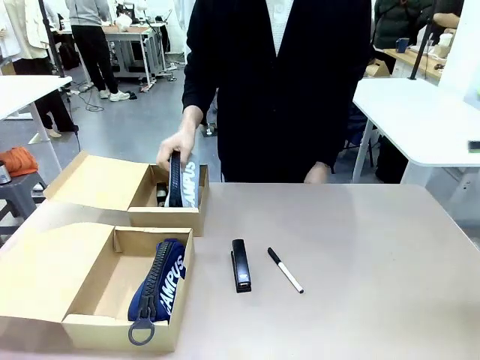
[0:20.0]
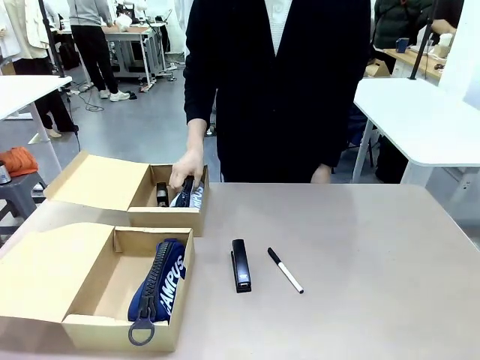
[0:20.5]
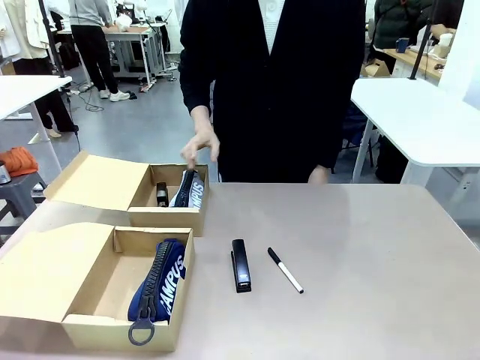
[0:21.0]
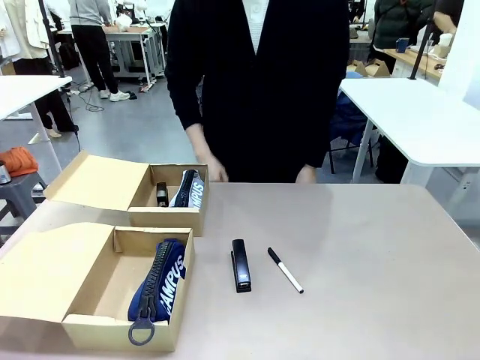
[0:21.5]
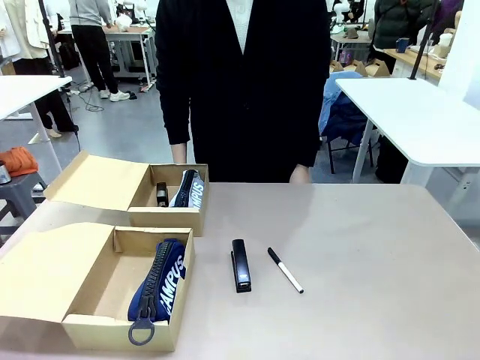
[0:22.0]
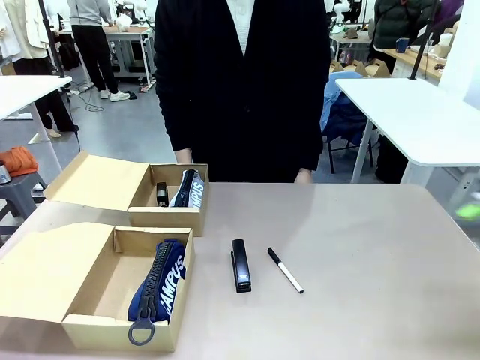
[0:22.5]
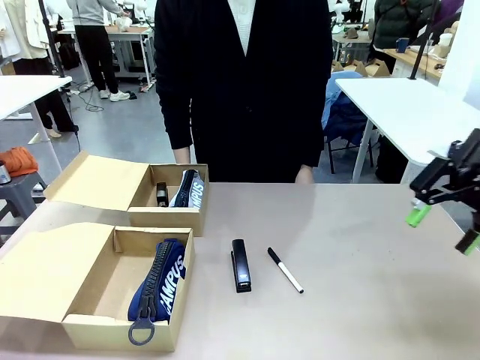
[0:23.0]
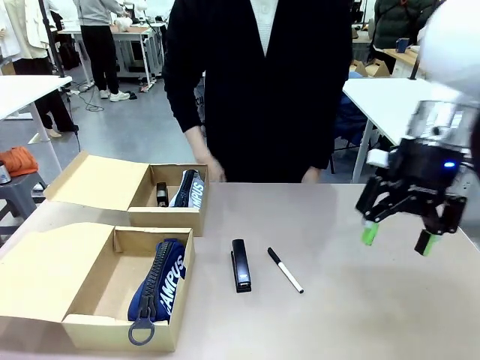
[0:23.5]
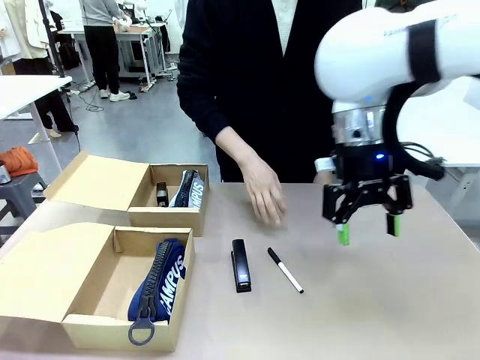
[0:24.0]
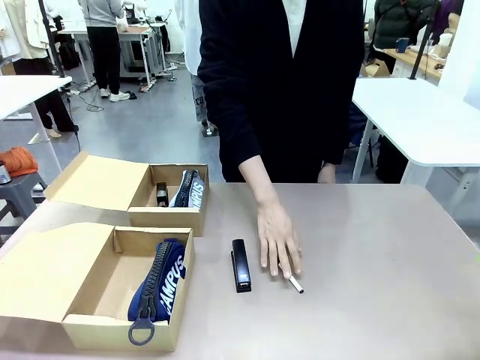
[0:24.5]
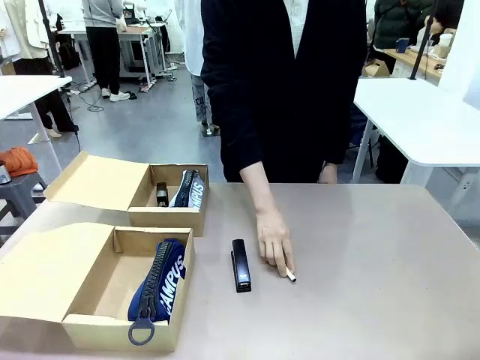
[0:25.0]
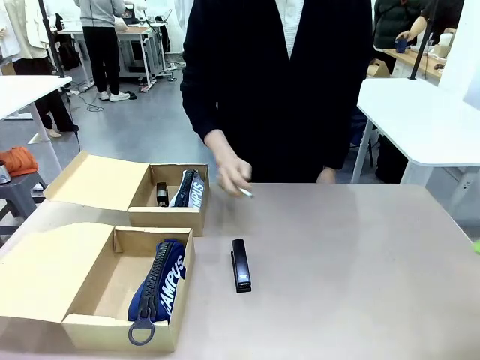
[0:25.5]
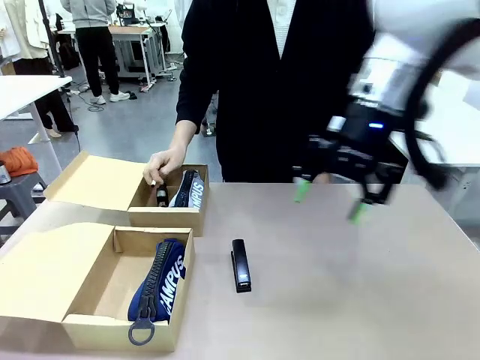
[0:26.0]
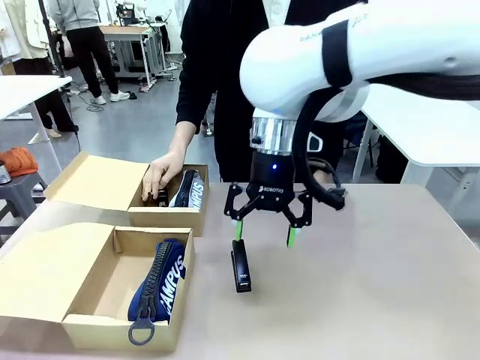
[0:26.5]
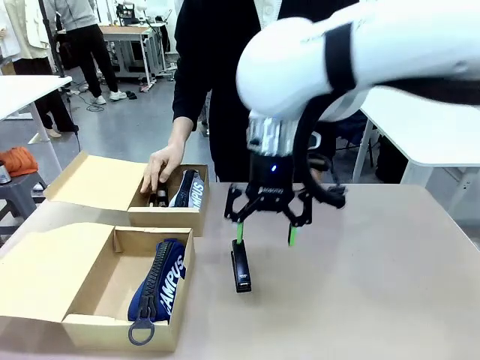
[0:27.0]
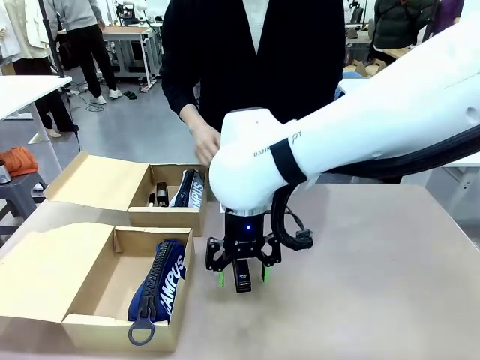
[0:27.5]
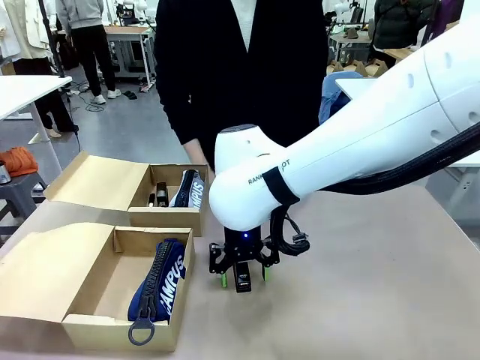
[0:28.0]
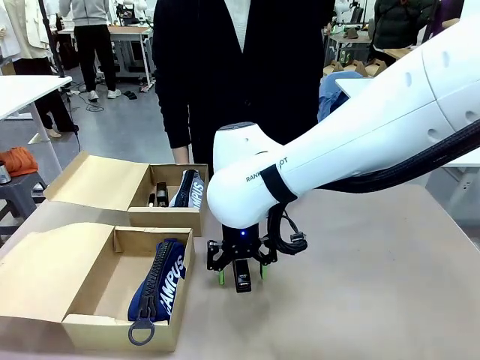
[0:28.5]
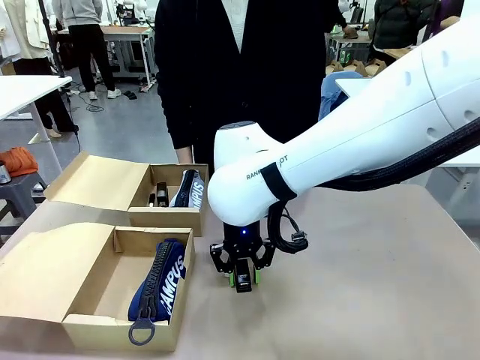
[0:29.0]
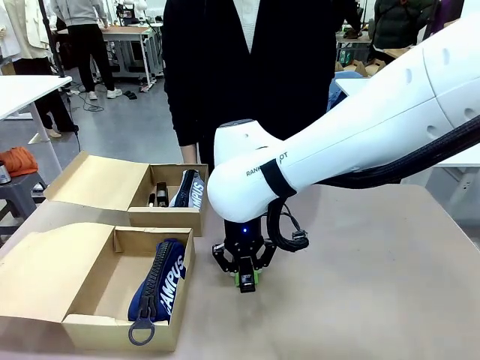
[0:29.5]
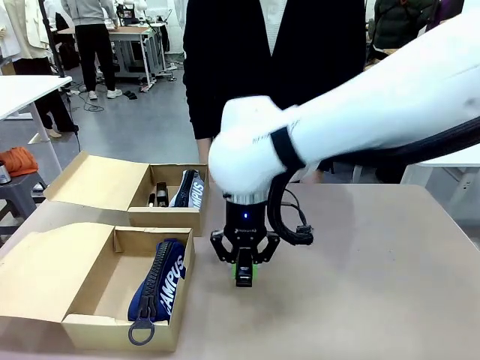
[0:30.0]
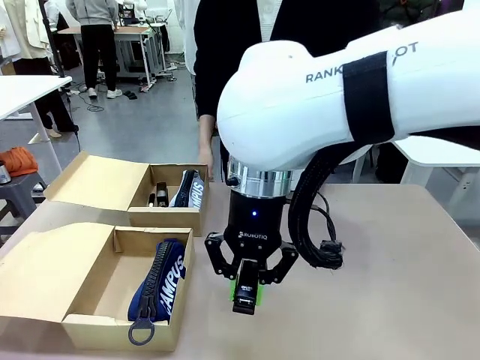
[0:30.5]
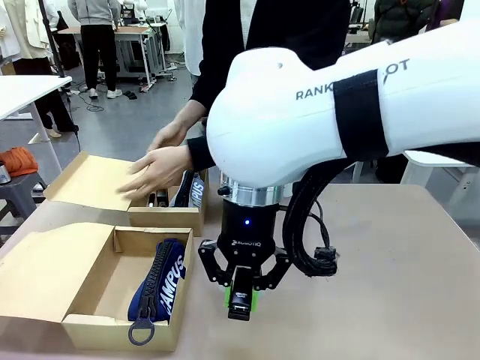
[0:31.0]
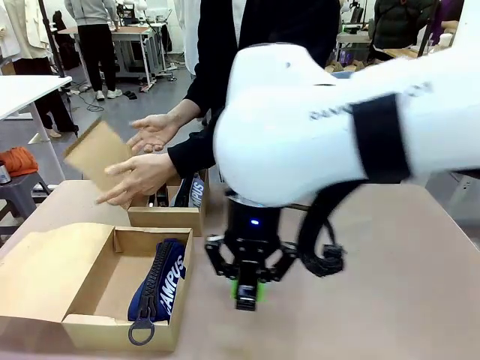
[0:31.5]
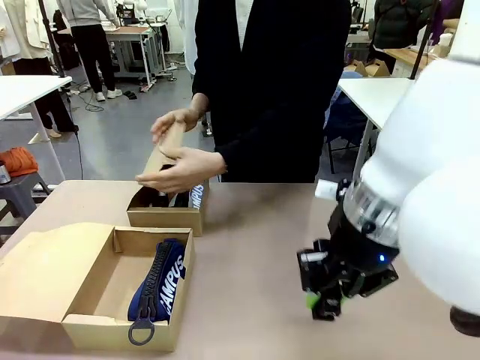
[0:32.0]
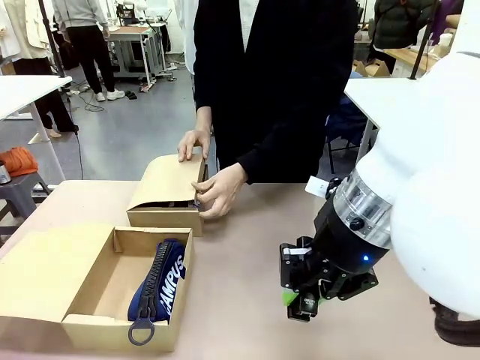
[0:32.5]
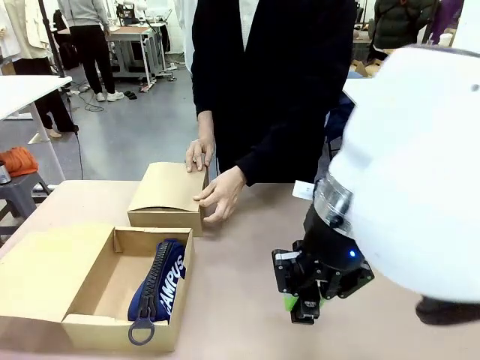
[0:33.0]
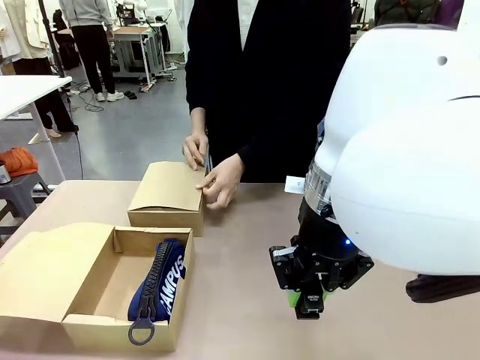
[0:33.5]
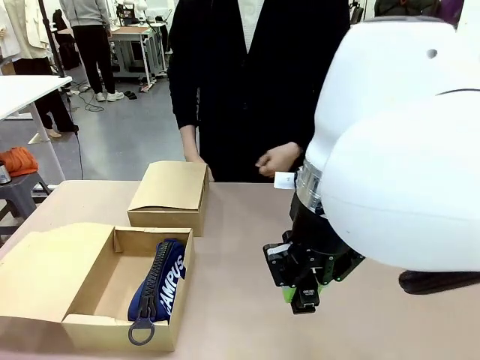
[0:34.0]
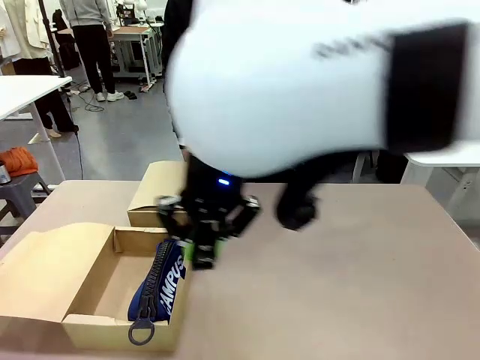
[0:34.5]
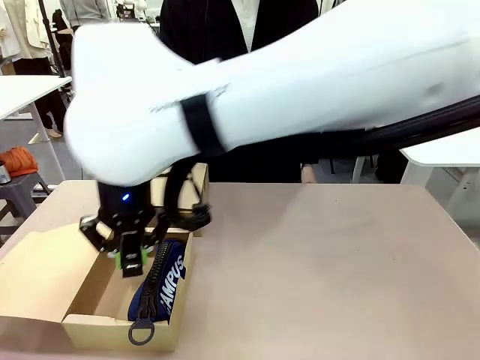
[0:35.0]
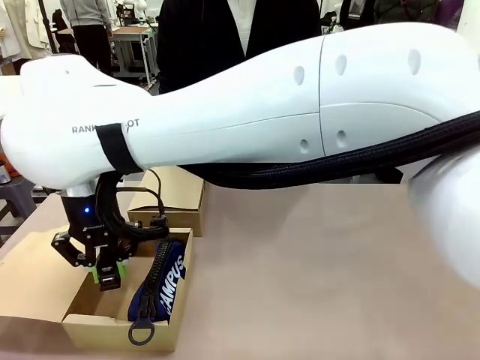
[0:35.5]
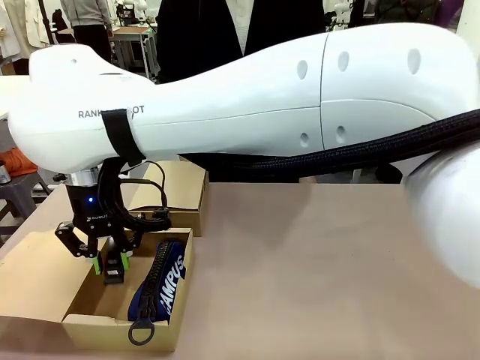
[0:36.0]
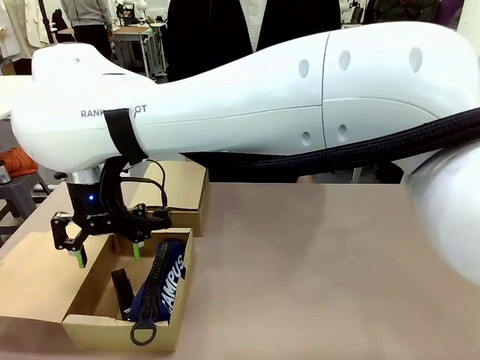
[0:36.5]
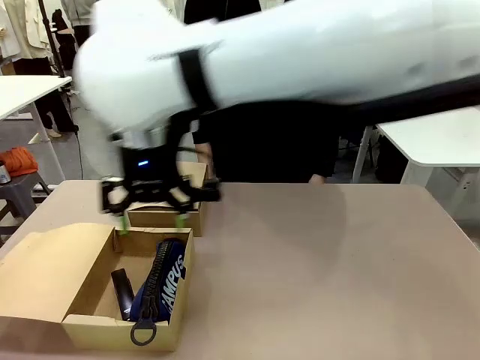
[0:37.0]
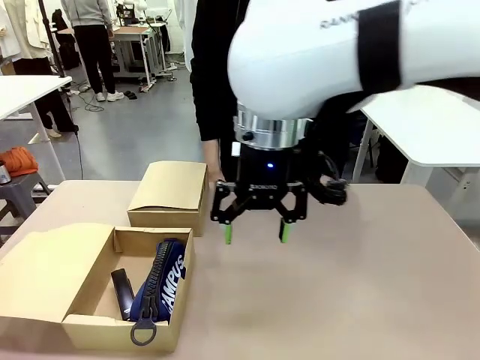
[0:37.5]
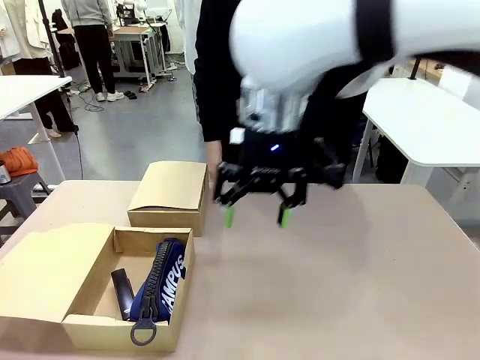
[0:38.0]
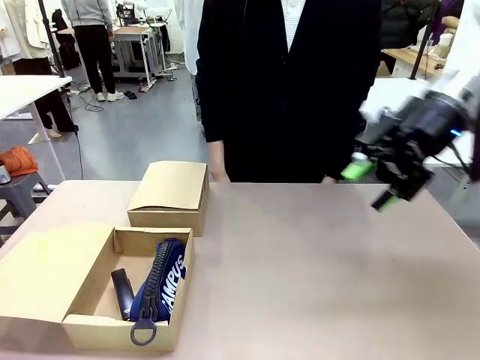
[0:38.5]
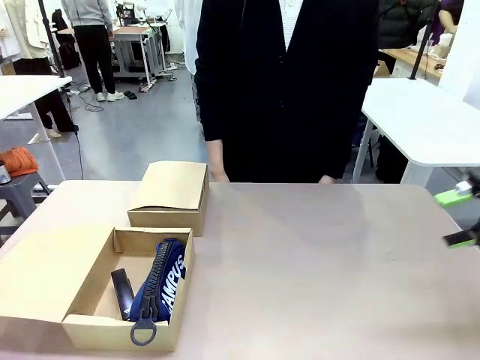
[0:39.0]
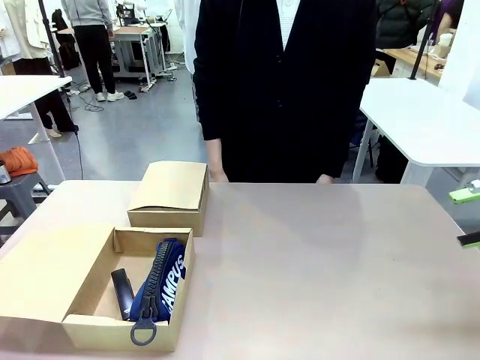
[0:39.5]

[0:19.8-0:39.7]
Task: Place items inside the box.
Robot: Pick up a Pencil pouch or Stapler and place it inside the Mailer Box closest to the robot.
Person: Close the lid of the box facing the person.

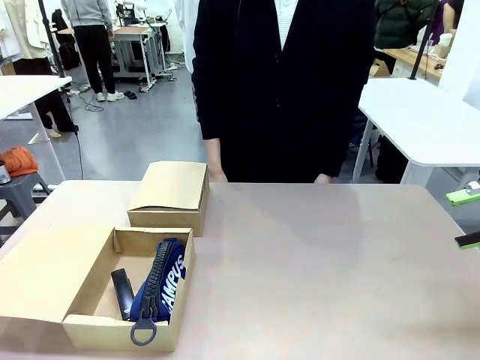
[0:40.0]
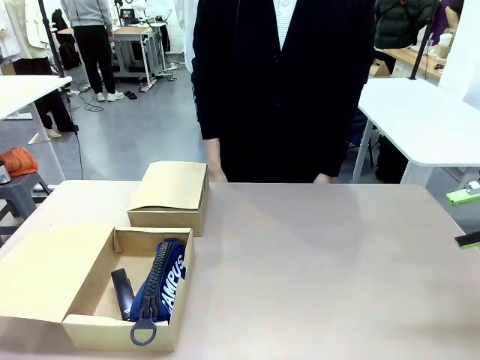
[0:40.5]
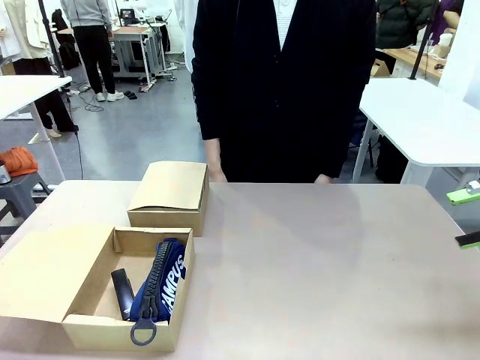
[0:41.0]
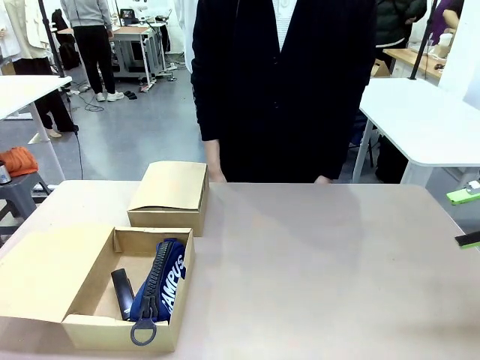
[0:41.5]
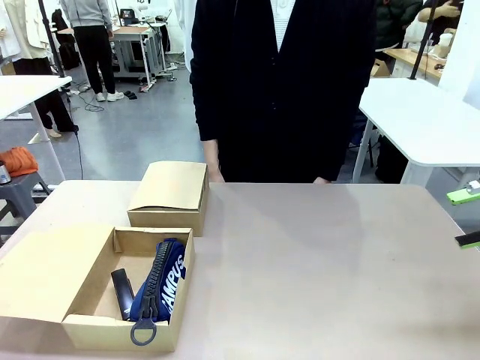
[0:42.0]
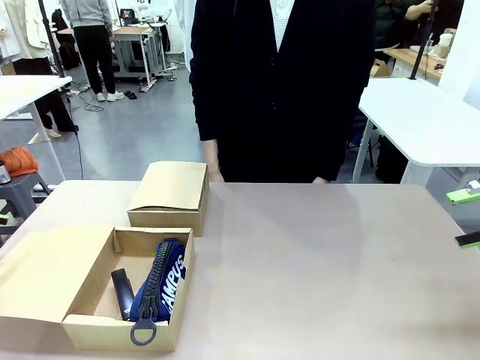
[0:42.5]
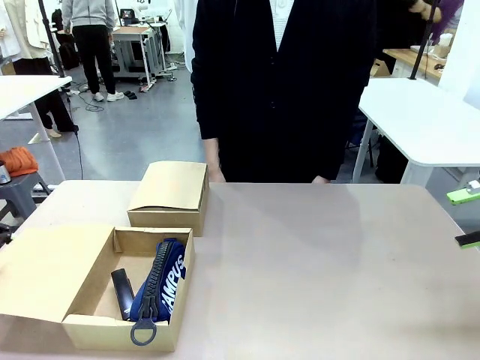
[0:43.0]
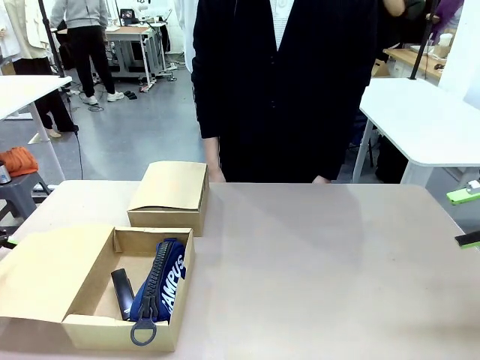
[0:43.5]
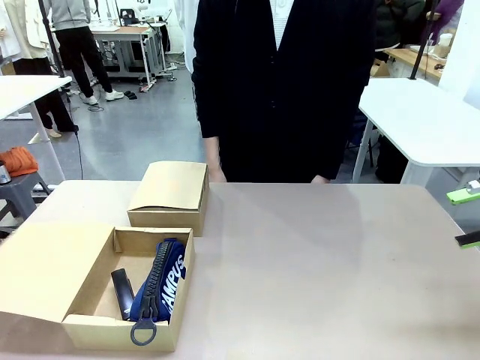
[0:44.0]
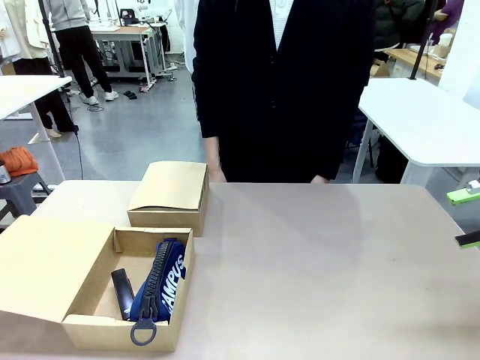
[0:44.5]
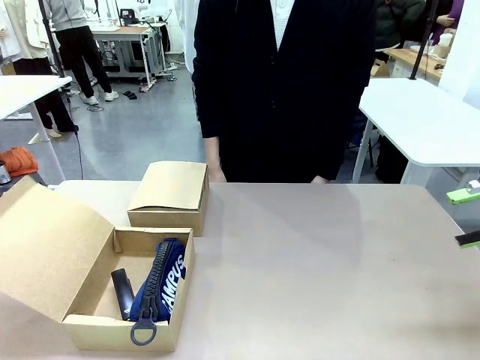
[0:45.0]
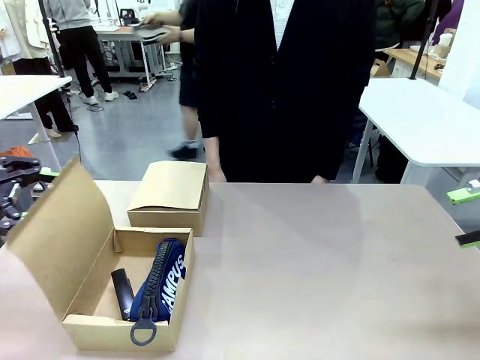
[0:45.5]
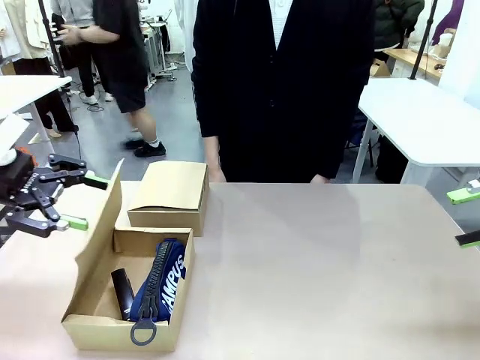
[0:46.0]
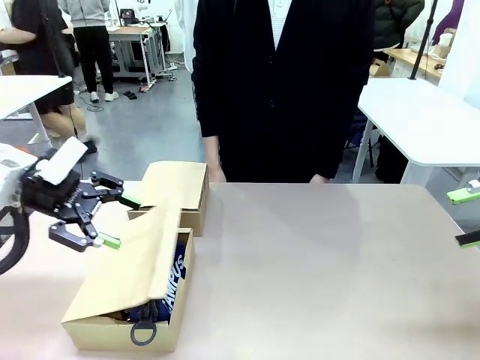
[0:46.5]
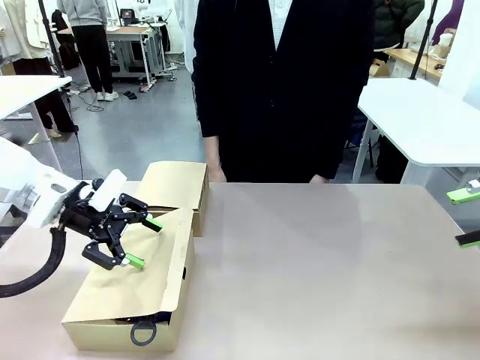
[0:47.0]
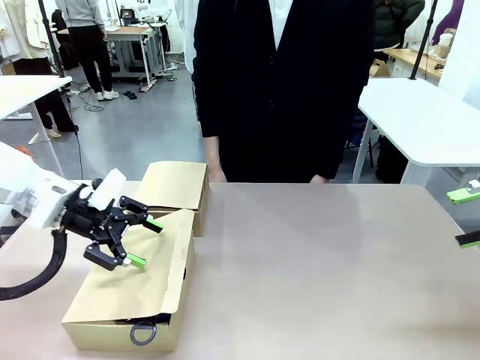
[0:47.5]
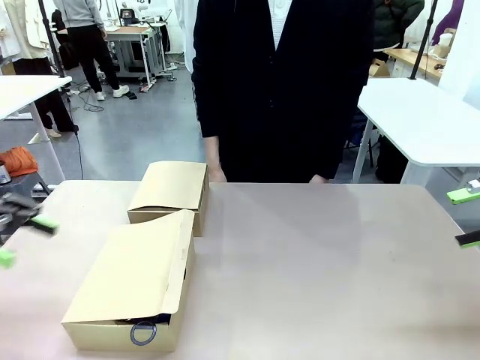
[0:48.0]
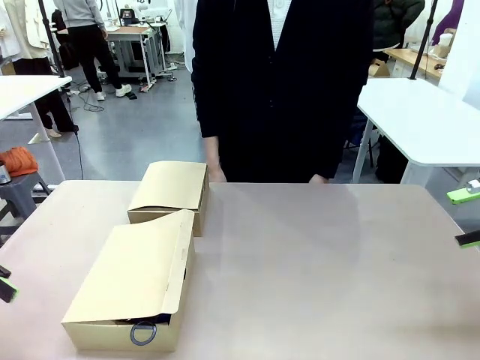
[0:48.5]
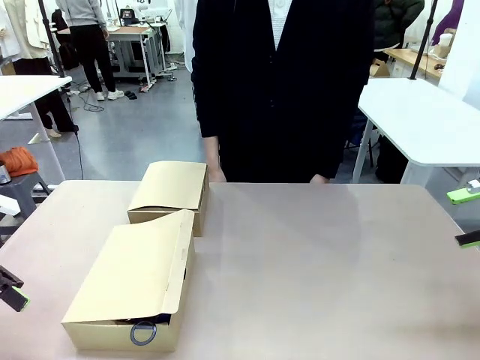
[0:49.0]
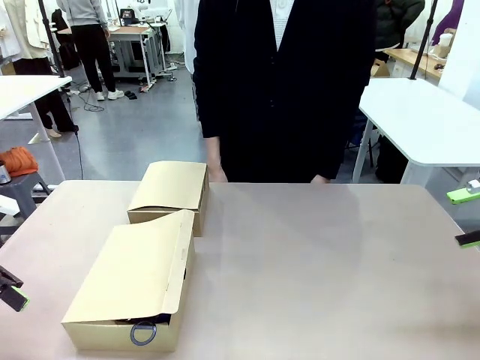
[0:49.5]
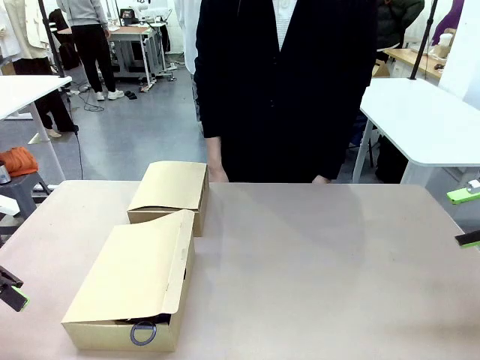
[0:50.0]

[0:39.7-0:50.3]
Robot: Close the lid of the Mailer Box closest to the robot.
